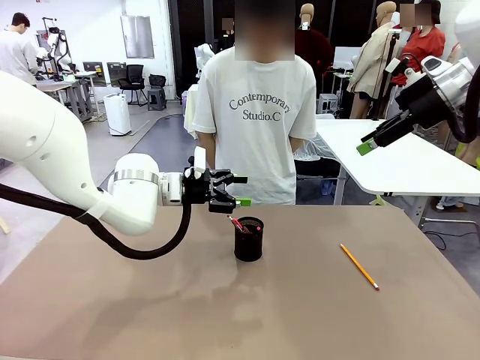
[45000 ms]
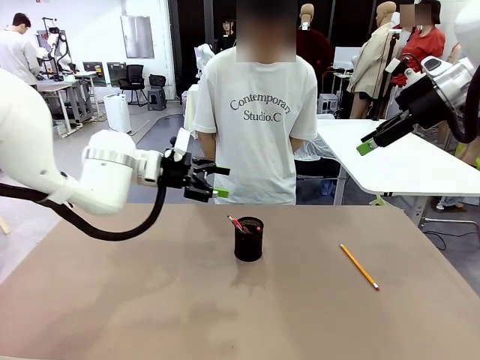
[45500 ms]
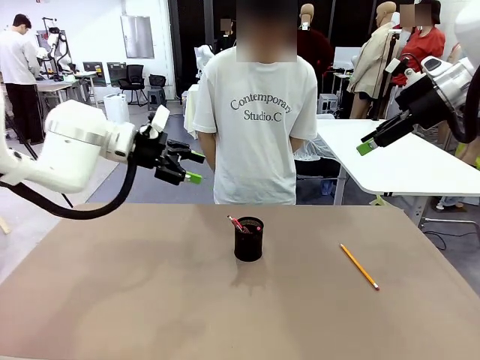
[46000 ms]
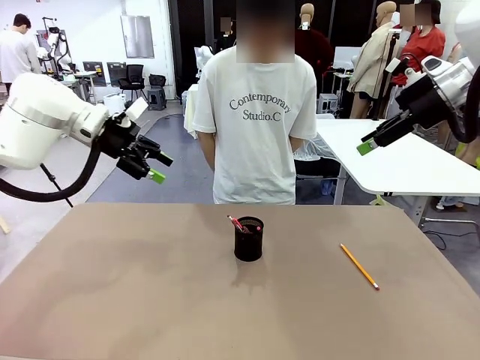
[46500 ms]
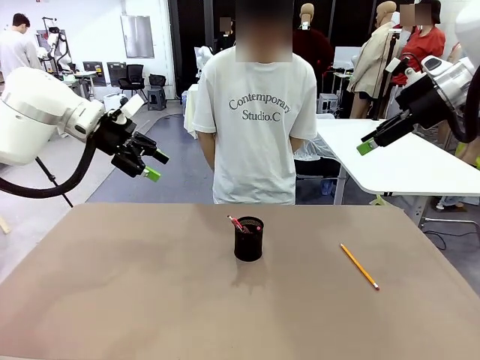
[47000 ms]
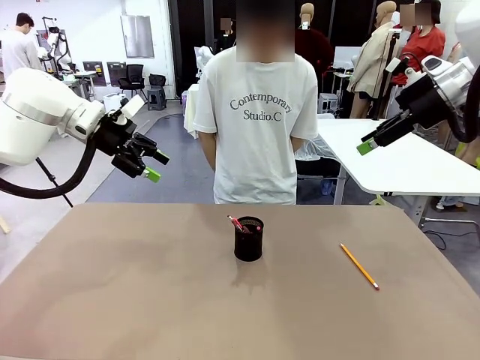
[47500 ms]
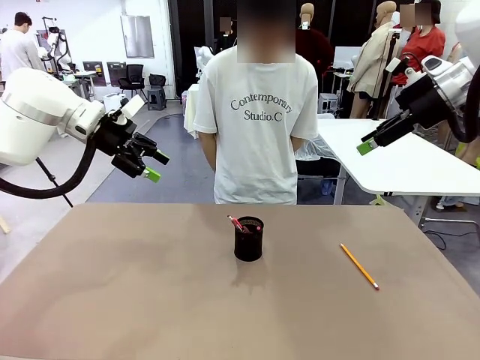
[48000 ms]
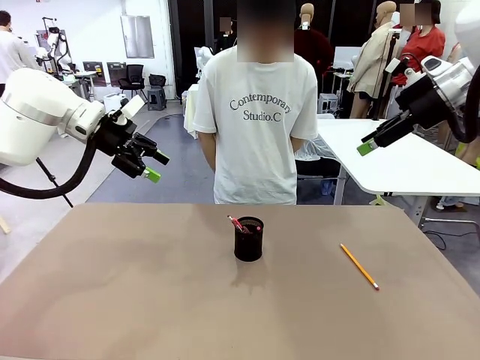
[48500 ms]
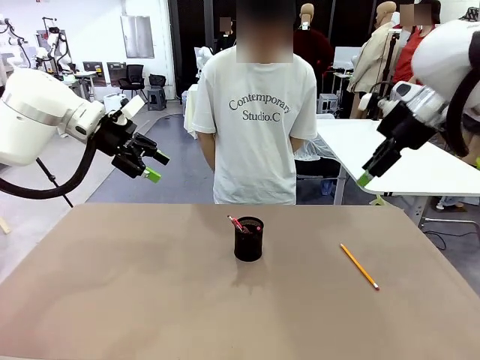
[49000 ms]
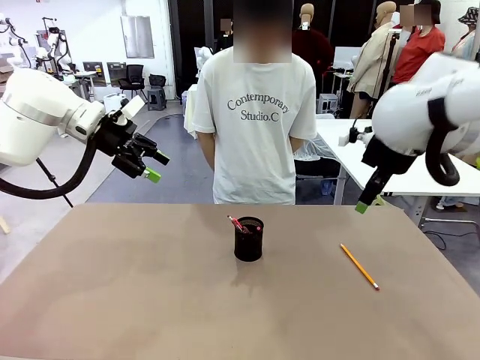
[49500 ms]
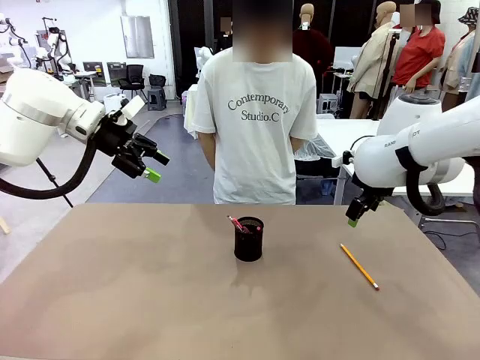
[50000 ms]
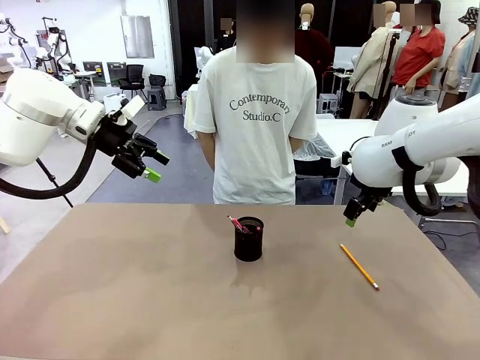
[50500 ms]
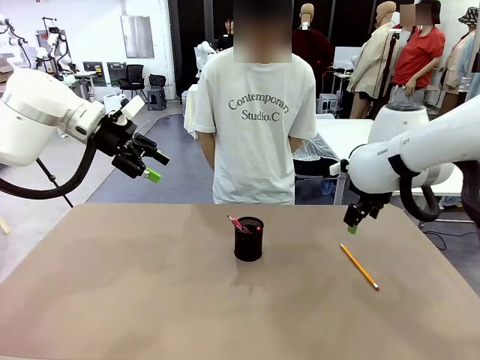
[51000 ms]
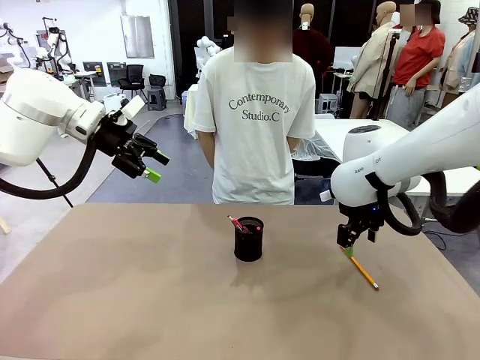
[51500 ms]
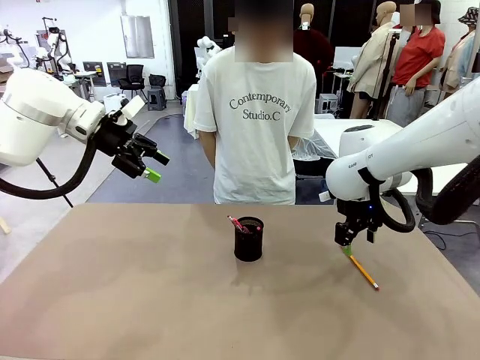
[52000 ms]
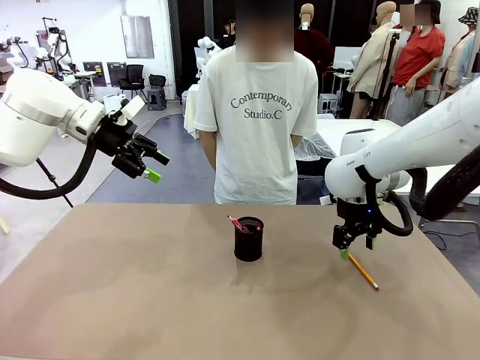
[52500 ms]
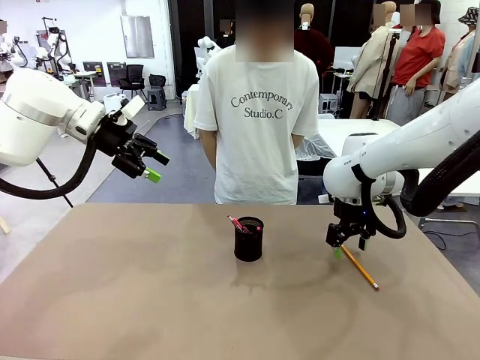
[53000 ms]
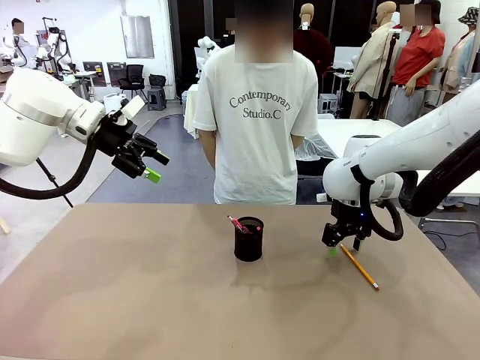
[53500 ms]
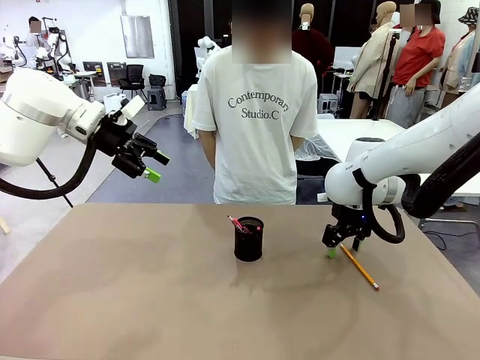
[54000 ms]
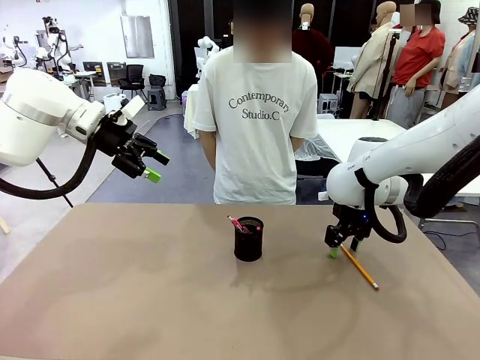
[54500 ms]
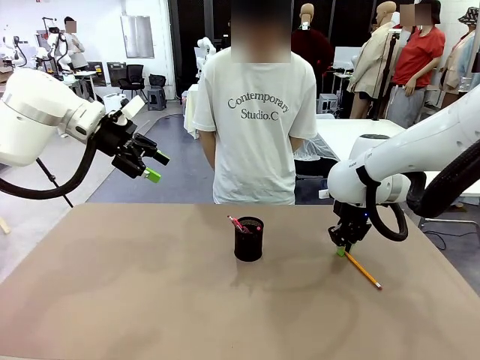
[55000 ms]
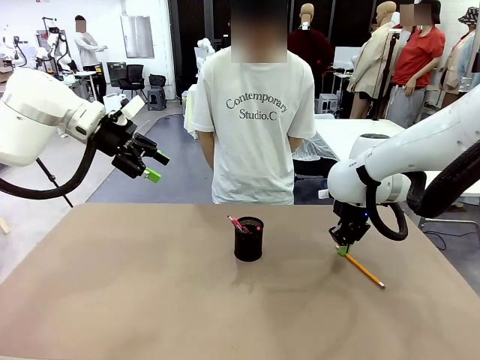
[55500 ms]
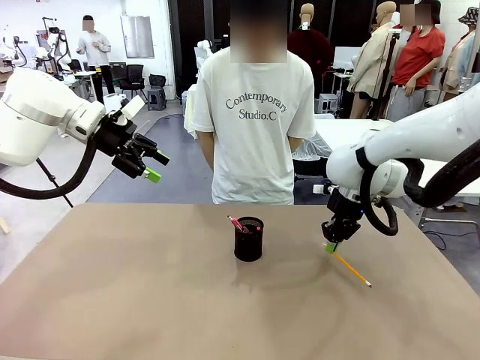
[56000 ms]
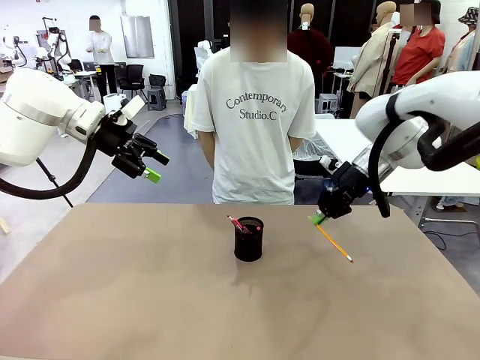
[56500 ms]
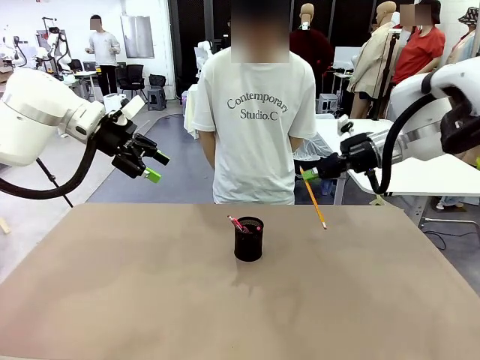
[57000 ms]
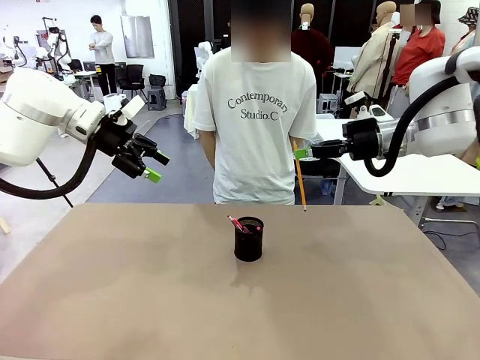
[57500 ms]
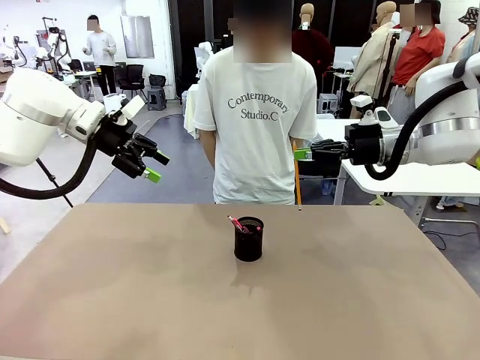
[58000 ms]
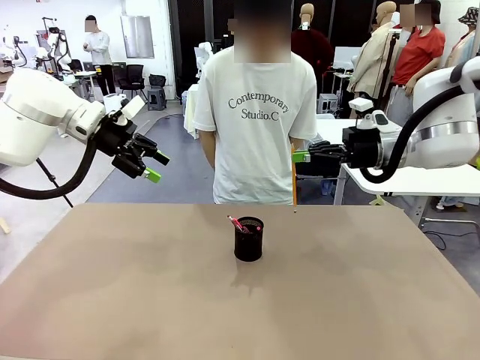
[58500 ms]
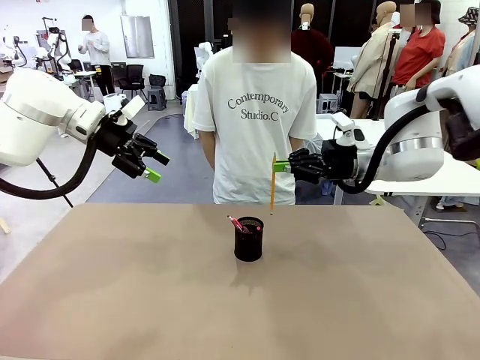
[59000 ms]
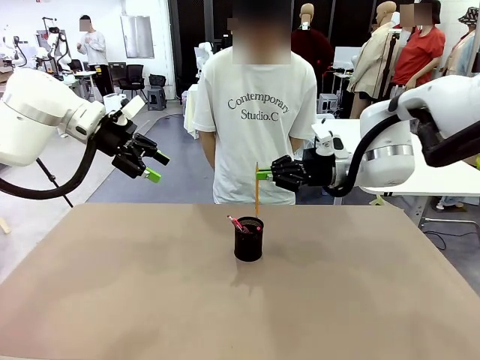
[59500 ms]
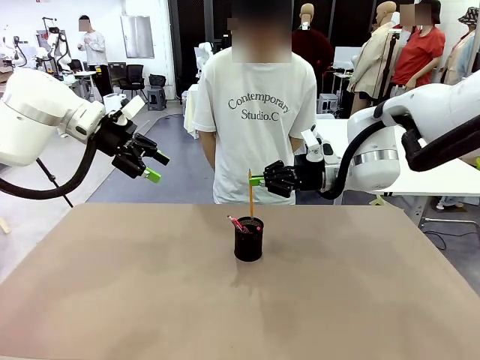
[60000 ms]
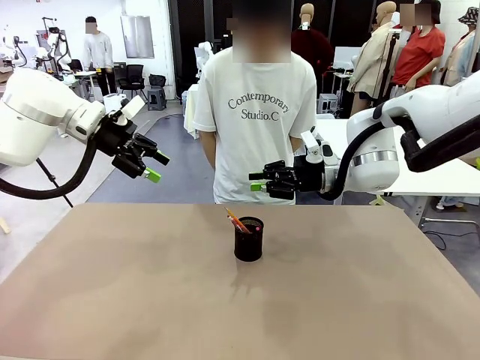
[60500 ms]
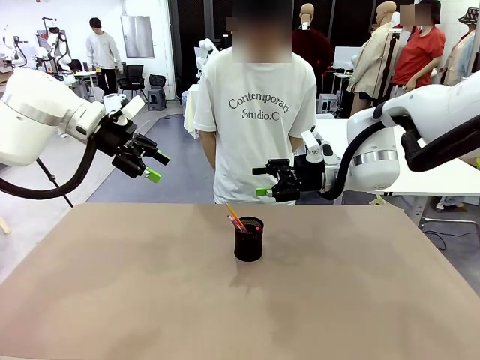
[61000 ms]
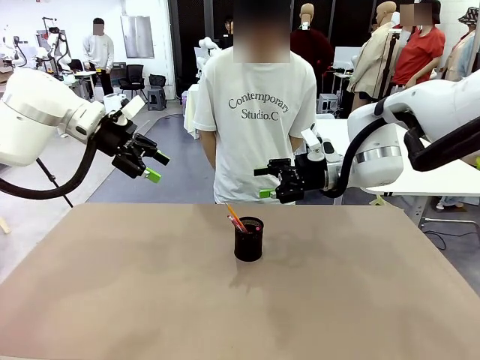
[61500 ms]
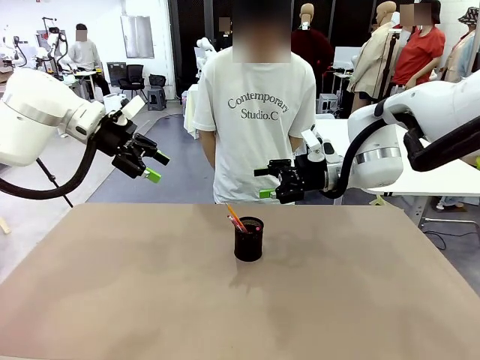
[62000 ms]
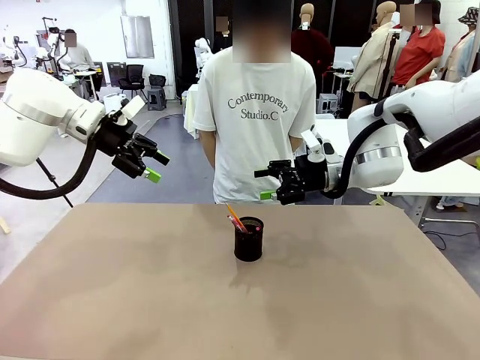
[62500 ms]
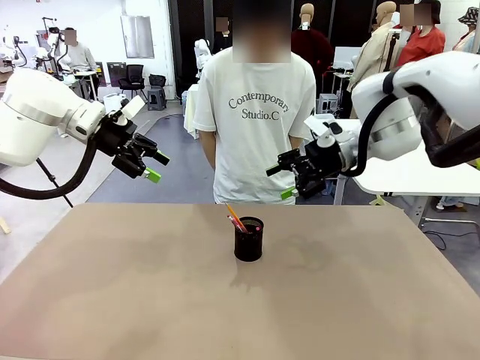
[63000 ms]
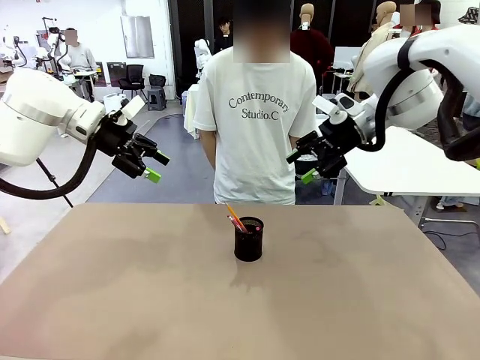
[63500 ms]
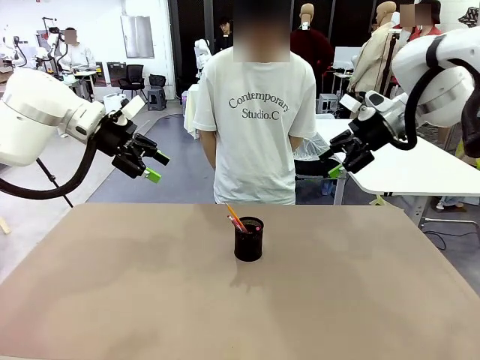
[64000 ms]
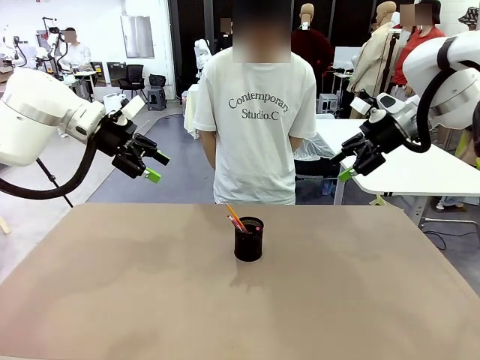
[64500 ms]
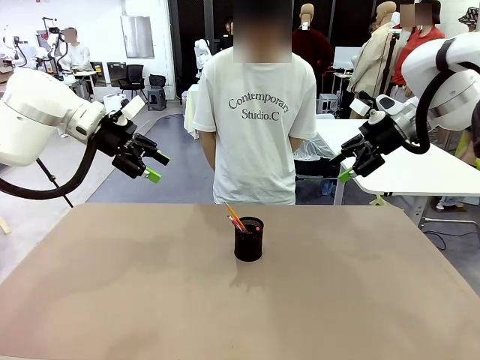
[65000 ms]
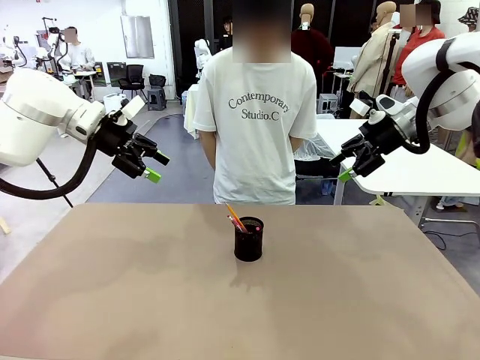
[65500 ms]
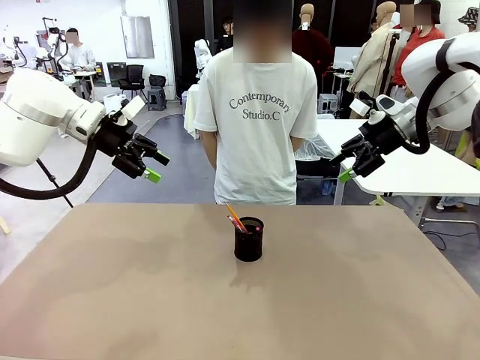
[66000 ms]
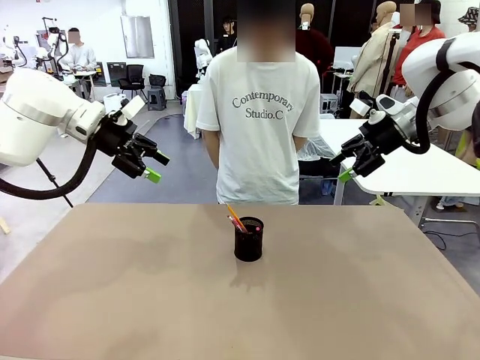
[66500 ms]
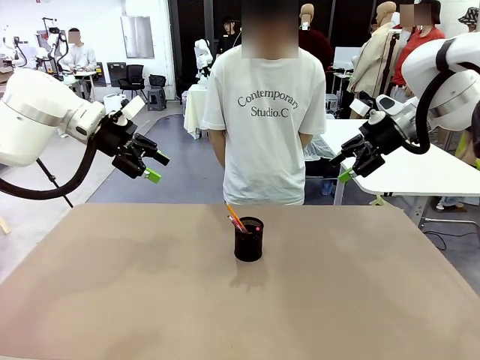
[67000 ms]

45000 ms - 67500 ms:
Task: Place the pens into the pen holder.
Robot: Pick up a writing instrument from the table and place it into the Pen holder.
